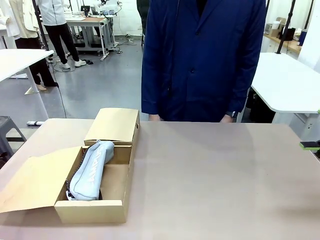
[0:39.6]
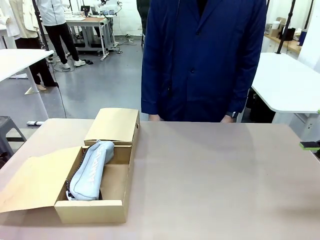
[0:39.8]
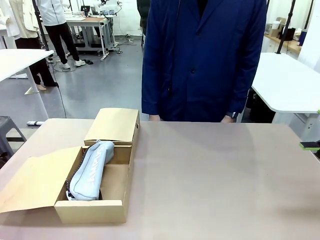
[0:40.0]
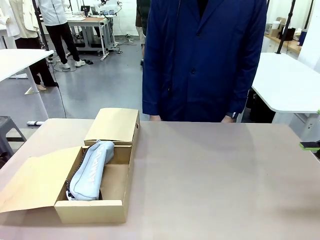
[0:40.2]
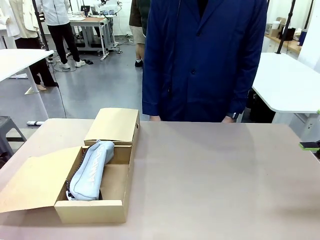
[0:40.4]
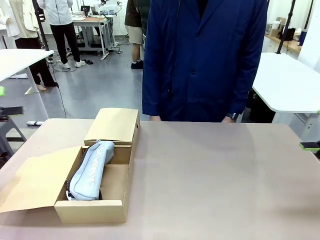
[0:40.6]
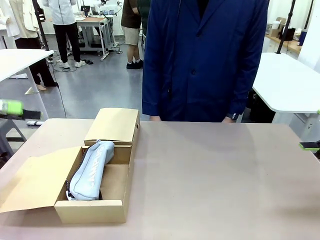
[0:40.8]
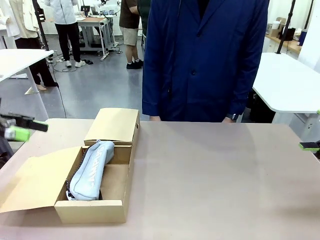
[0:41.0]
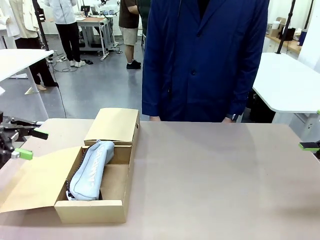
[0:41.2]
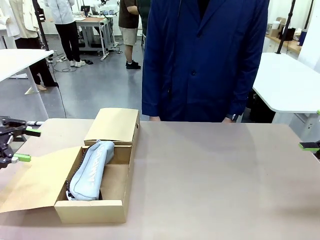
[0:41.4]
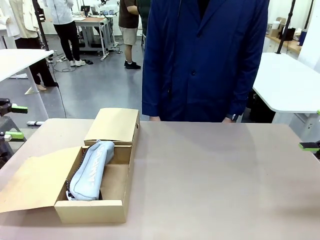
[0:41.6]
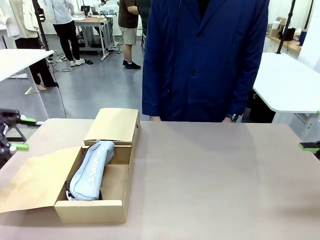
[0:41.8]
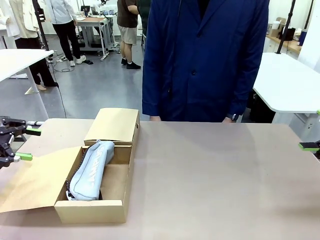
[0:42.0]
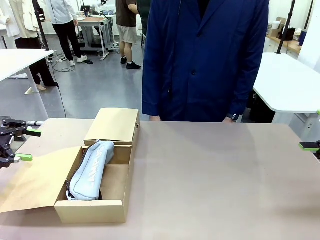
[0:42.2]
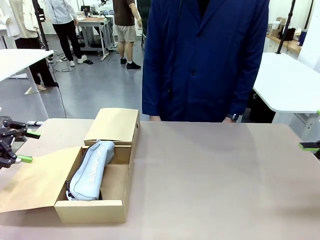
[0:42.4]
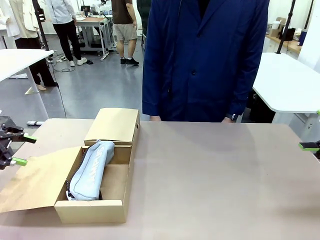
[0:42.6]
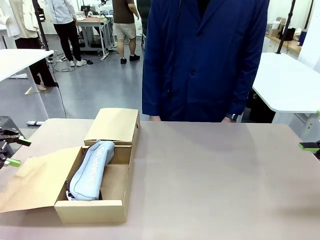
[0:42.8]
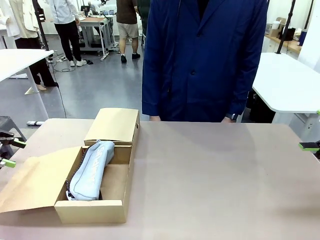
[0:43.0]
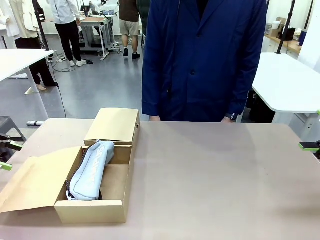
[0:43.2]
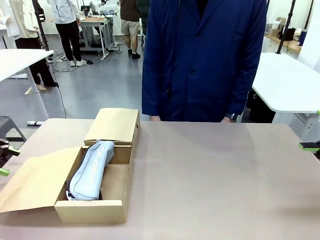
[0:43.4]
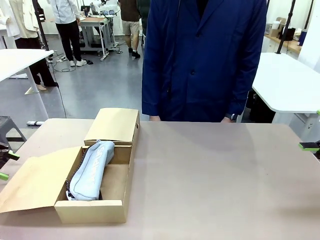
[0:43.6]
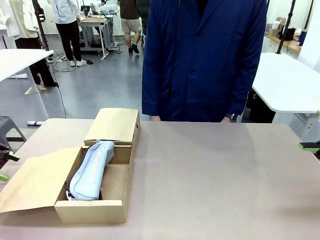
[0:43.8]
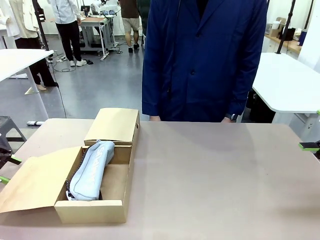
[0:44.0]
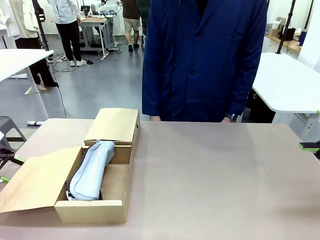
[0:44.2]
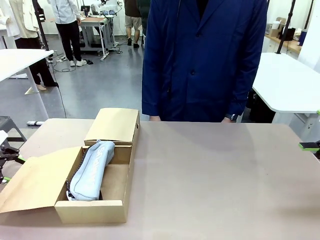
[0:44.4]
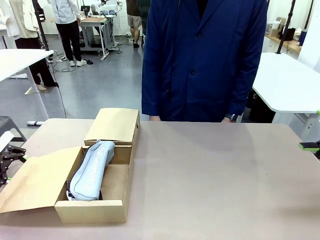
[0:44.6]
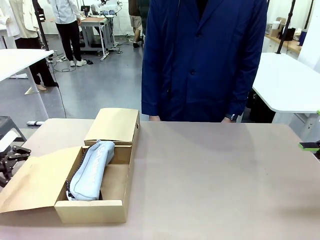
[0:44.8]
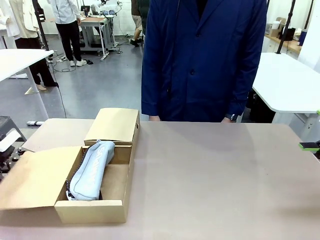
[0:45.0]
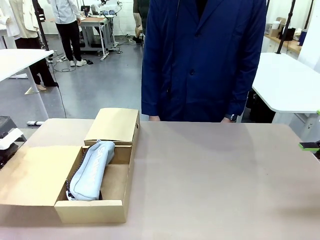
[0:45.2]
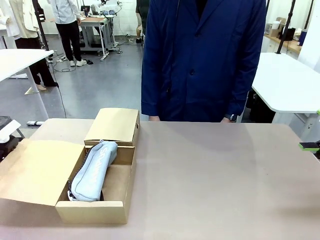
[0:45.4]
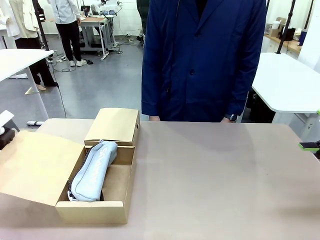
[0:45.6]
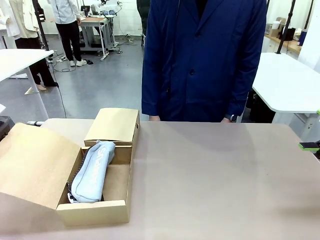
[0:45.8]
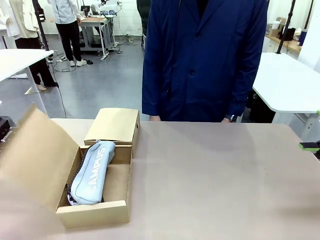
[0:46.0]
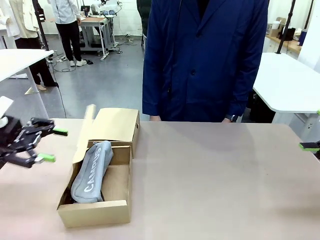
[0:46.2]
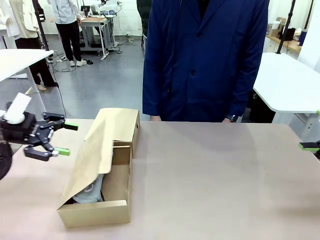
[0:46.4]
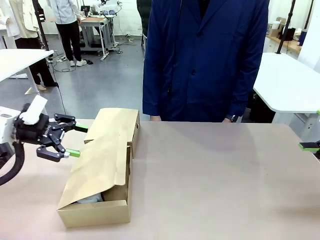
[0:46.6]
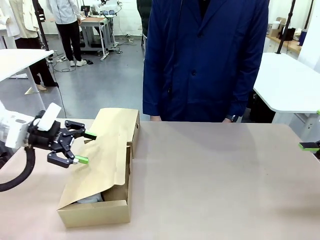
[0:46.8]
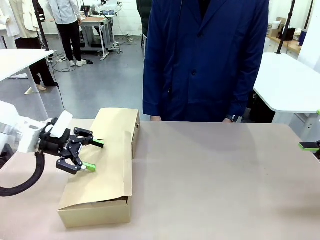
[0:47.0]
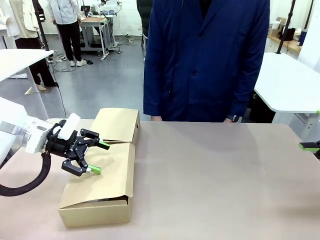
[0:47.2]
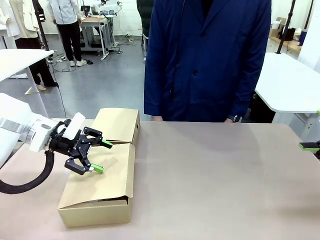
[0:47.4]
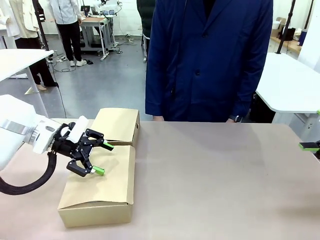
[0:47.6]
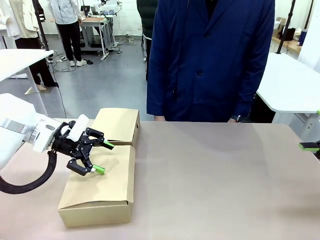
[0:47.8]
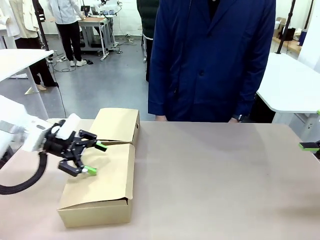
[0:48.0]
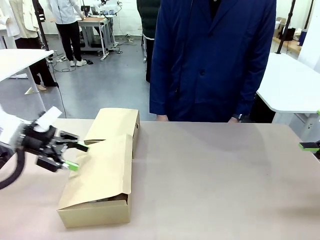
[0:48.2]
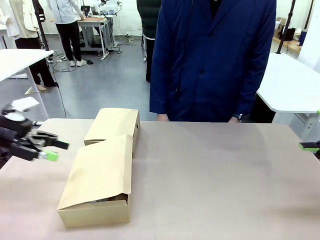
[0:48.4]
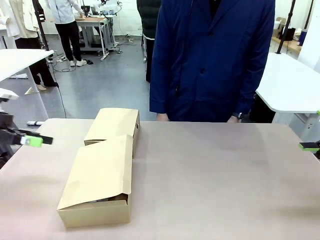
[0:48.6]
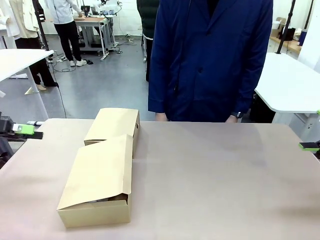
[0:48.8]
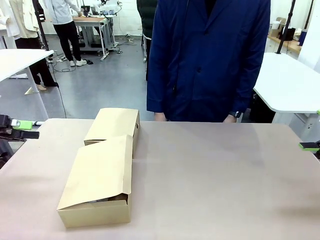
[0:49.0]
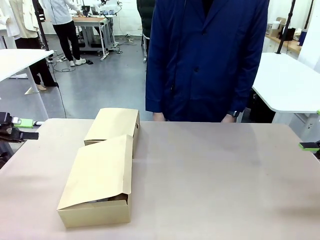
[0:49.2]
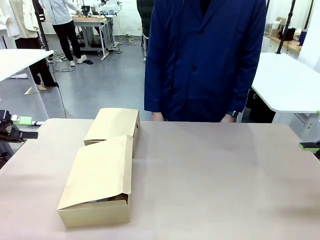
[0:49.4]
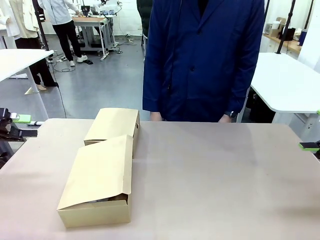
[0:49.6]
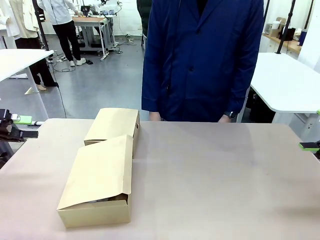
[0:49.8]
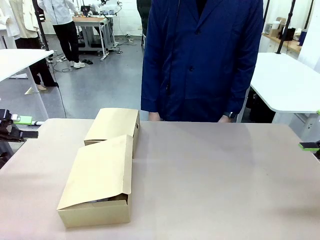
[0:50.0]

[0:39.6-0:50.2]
Task: Place items inside the box.
Robot: Close the lid of the Mailer Box closest to the robot.

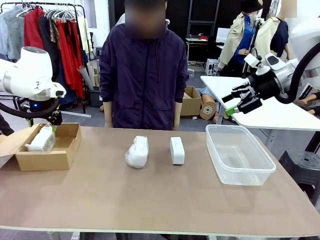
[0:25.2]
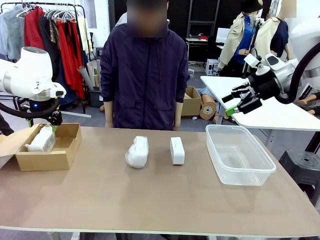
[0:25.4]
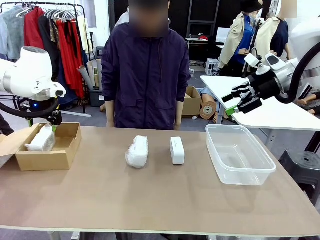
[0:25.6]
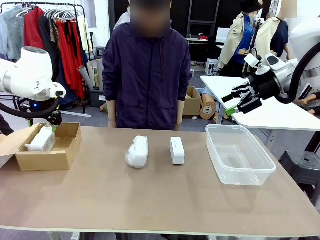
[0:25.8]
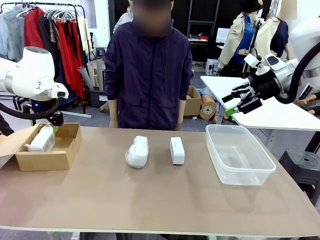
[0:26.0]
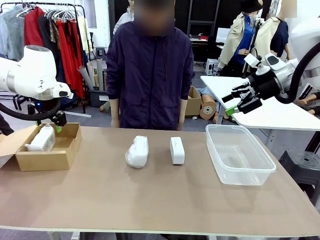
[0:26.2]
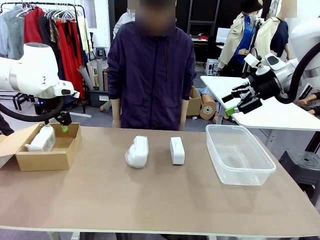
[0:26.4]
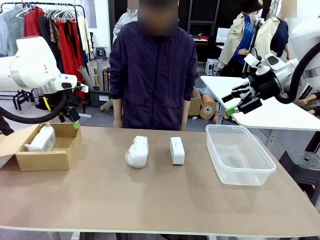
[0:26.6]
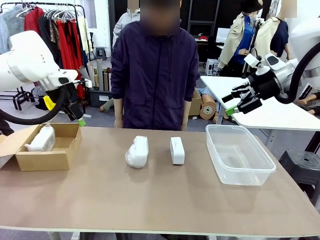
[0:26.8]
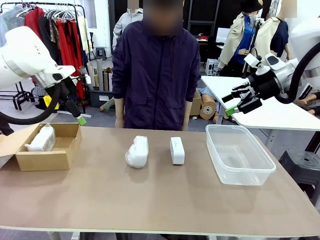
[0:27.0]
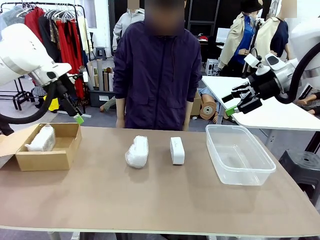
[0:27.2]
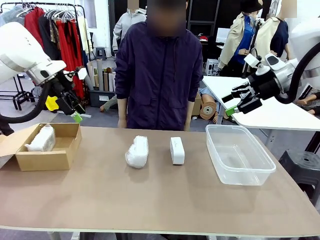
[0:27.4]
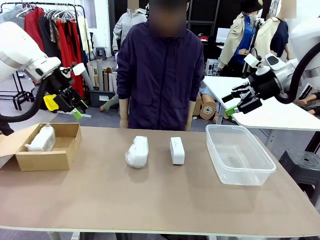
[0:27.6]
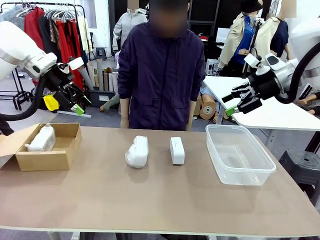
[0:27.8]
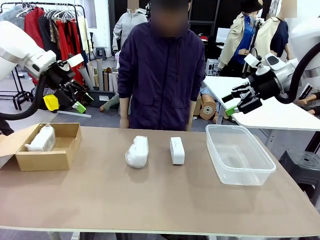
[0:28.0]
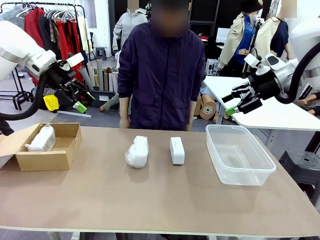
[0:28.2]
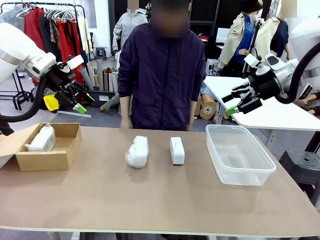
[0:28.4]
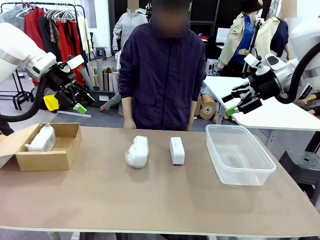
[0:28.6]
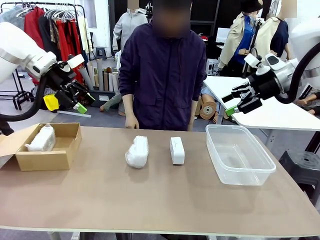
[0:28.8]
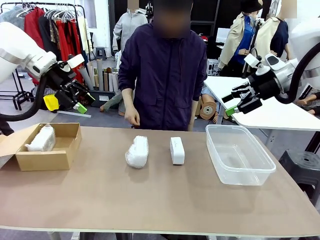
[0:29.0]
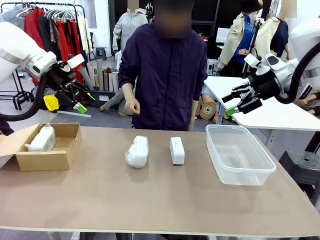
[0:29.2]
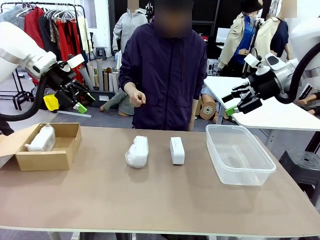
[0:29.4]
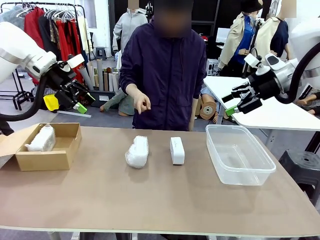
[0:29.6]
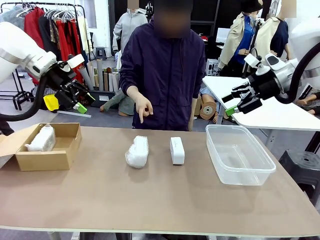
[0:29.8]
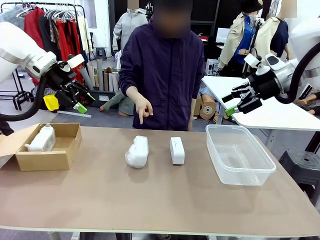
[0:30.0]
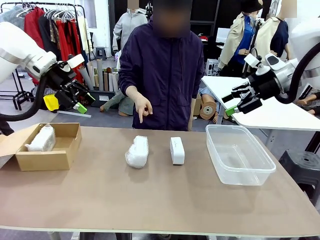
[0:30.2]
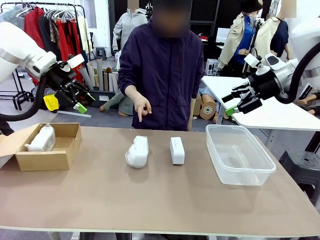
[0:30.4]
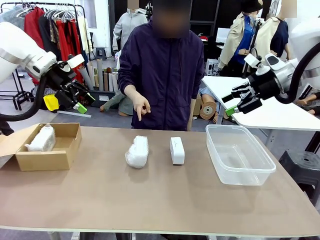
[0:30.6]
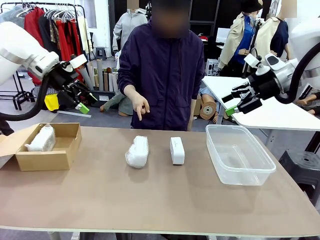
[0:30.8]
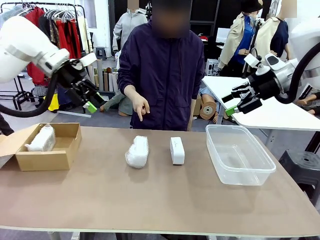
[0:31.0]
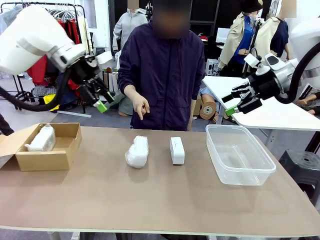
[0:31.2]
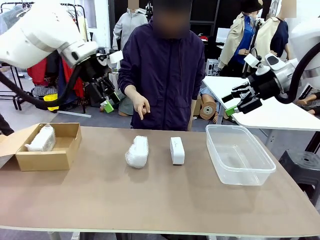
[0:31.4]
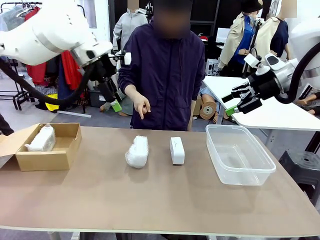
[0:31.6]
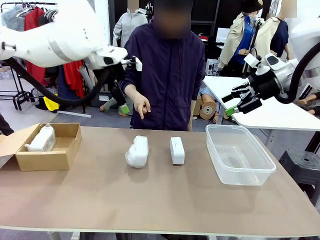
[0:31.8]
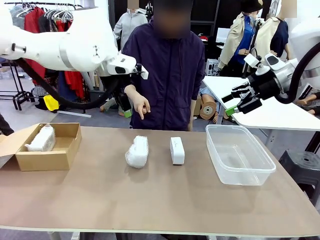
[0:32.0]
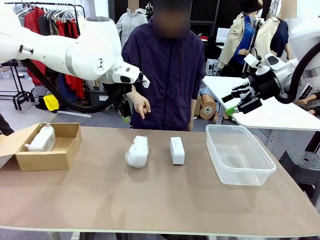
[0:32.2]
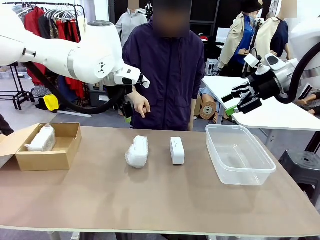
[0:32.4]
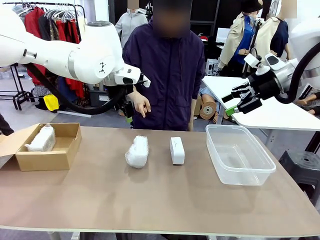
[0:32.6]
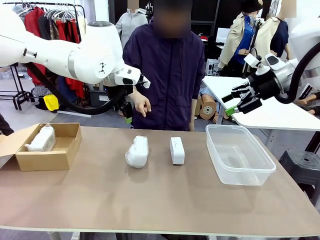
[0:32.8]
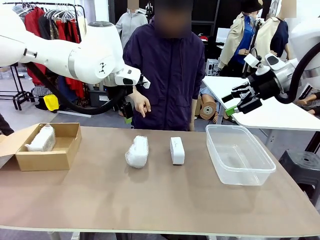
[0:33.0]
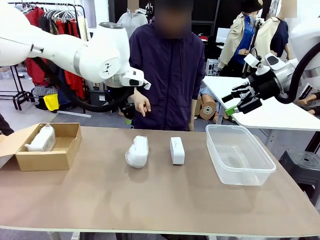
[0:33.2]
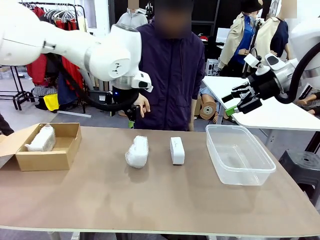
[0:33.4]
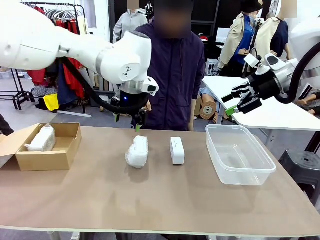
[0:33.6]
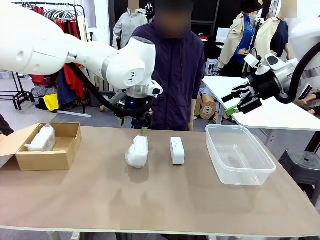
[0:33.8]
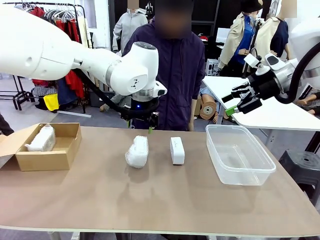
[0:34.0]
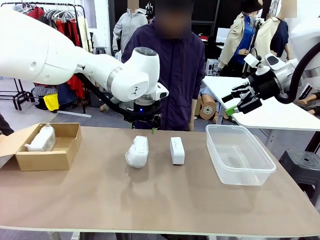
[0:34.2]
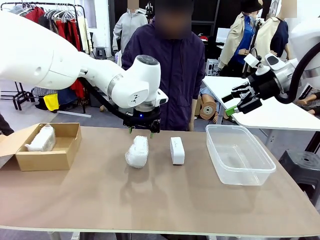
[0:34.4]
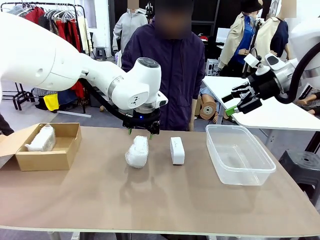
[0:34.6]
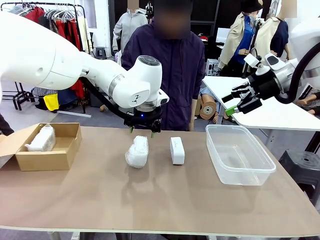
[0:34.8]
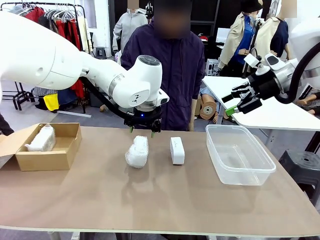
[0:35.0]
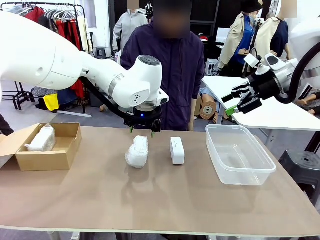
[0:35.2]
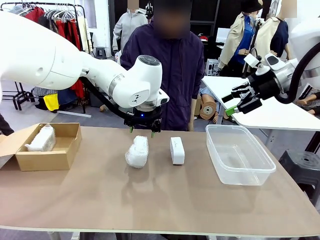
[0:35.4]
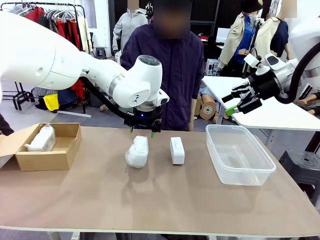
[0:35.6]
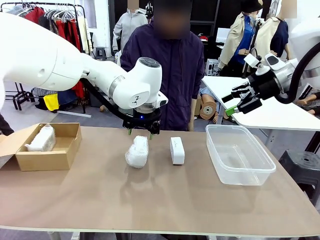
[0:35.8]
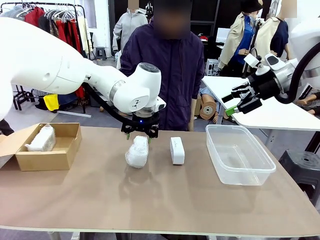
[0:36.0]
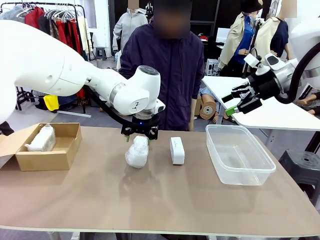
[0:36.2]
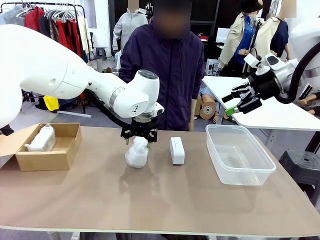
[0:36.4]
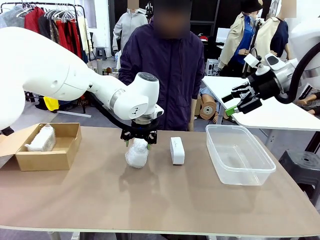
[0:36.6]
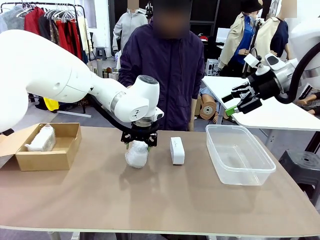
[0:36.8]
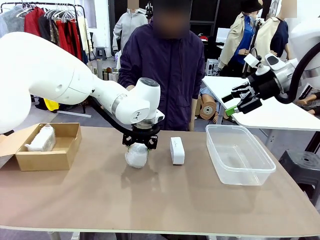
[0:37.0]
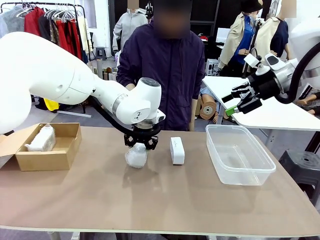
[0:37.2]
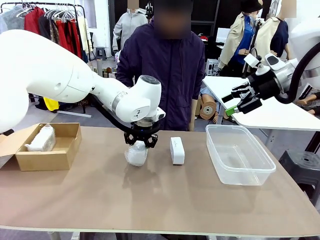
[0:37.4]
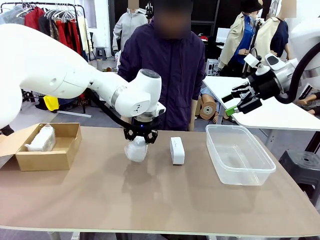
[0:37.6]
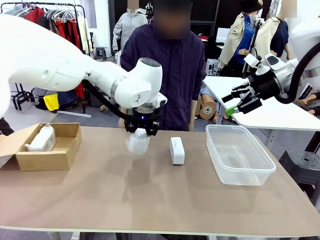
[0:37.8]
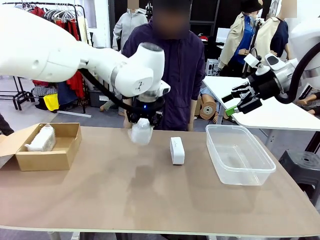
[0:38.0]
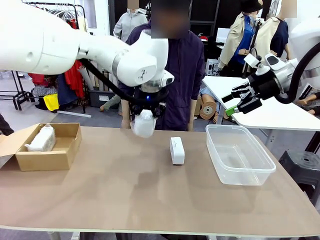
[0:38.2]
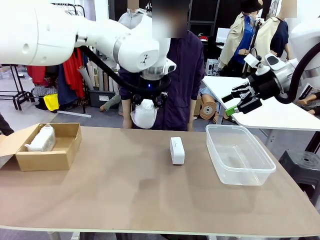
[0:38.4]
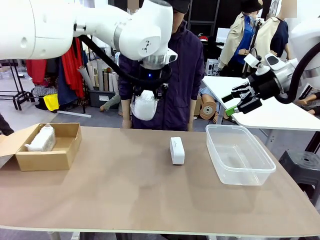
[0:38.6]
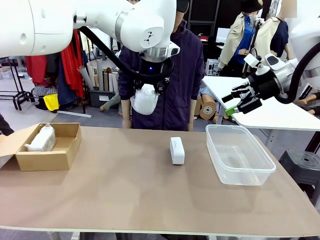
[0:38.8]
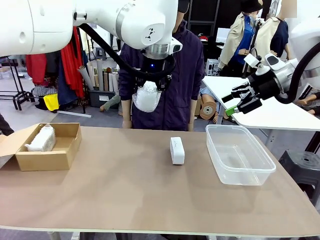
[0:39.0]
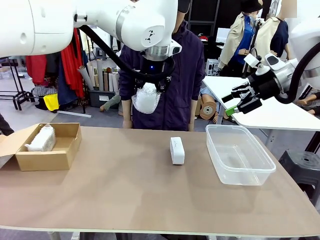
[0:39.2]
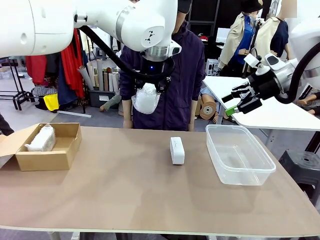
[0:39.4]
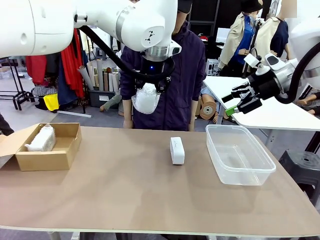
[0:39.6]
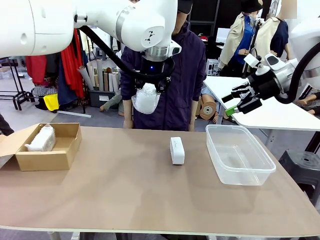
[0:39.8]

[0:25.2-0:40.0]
Task: Separate and place wrapped and unwrapped clocks.
Robot: Pick up the Digital clock indicated by the person.
